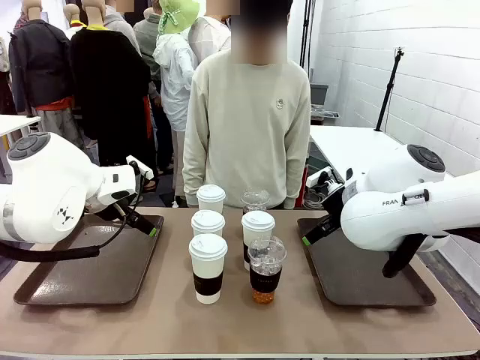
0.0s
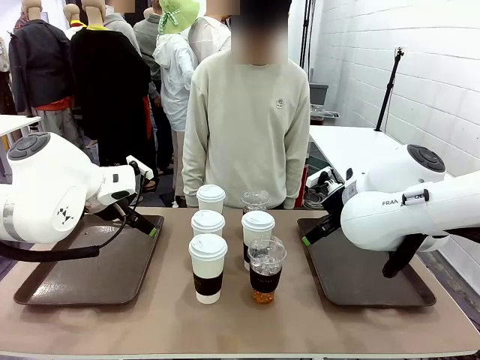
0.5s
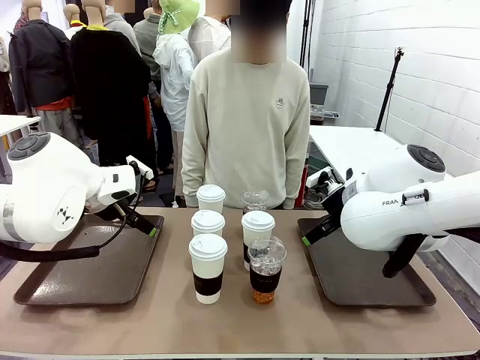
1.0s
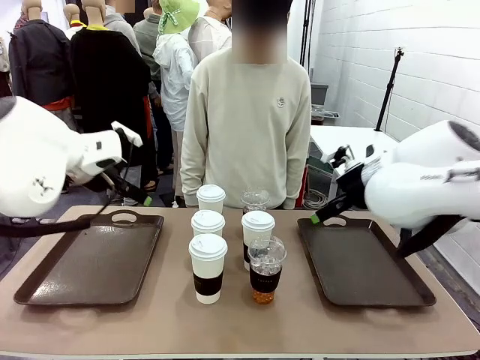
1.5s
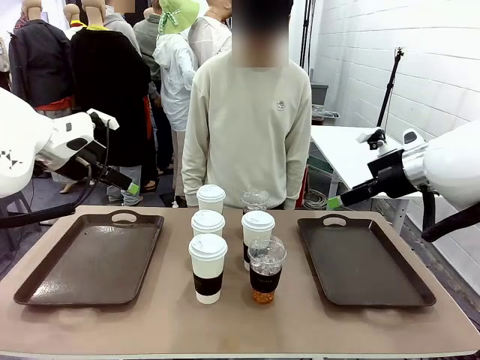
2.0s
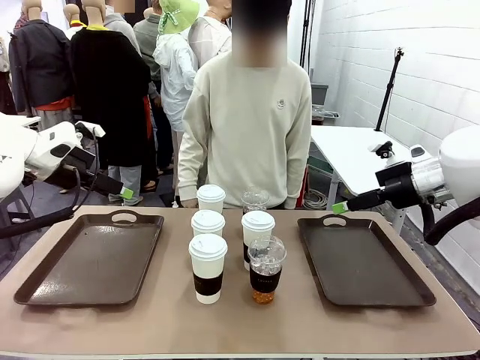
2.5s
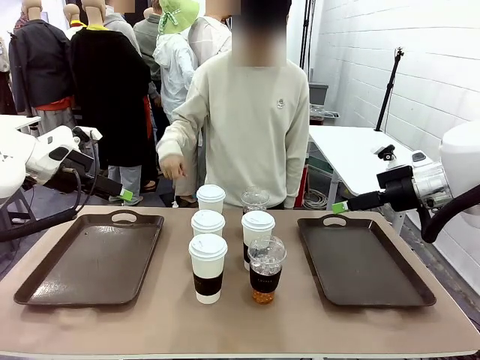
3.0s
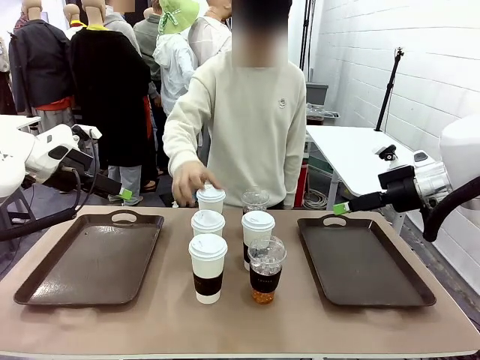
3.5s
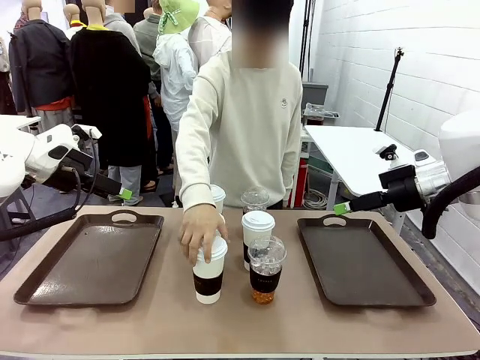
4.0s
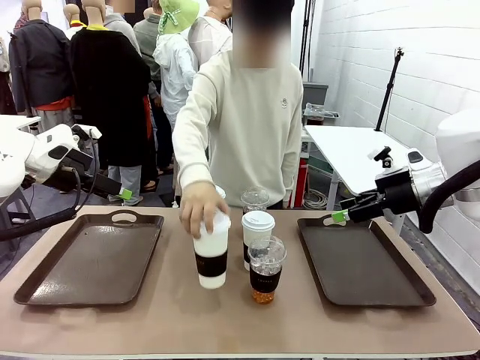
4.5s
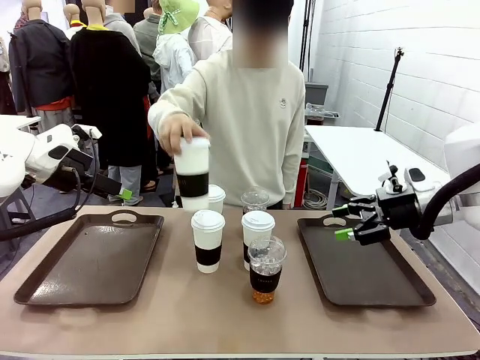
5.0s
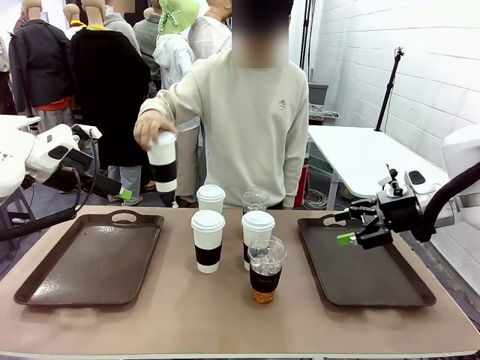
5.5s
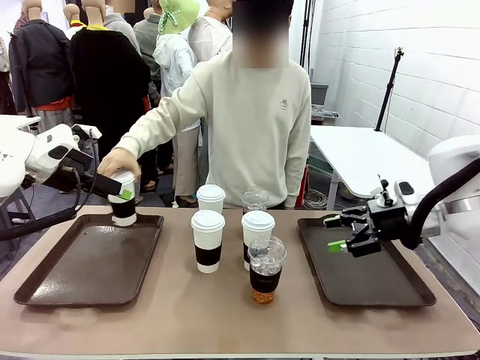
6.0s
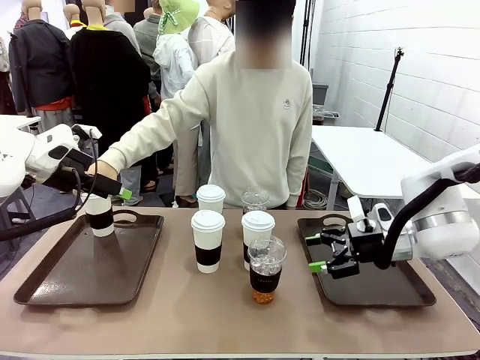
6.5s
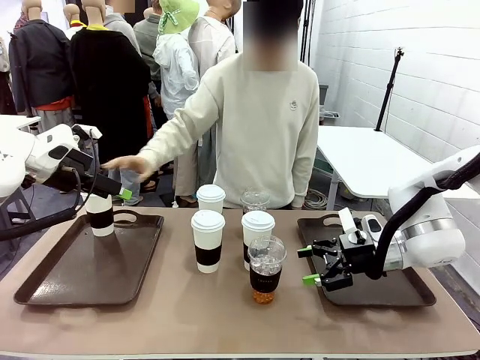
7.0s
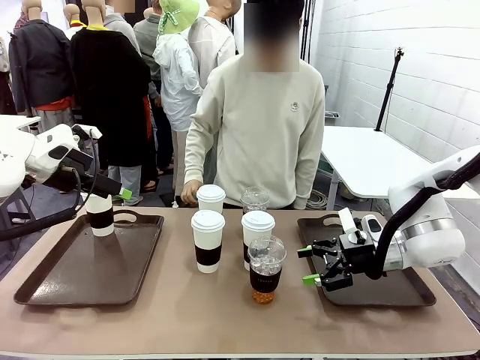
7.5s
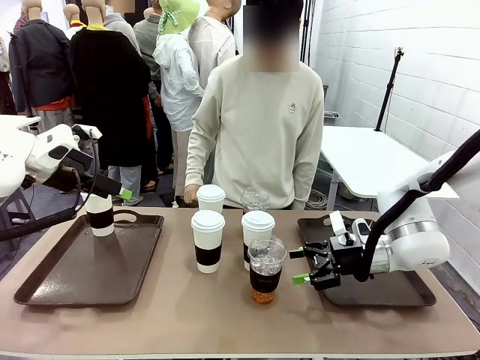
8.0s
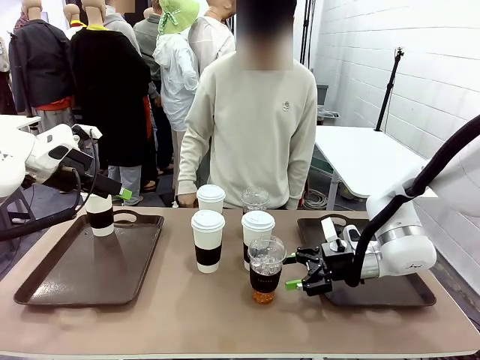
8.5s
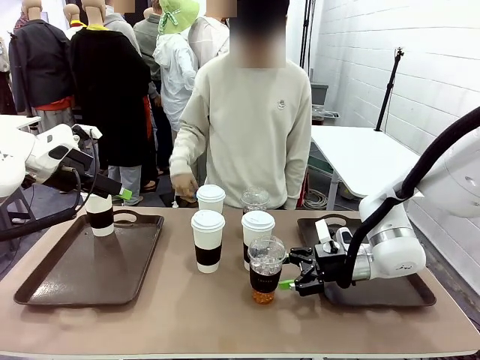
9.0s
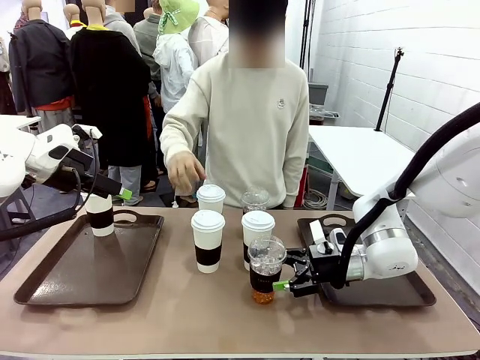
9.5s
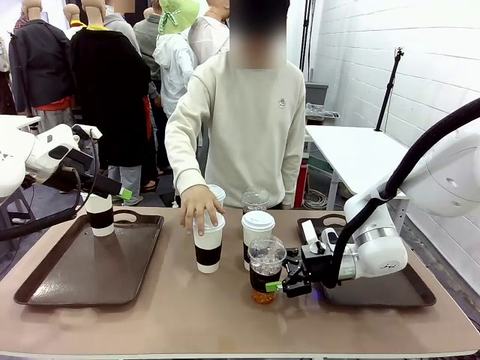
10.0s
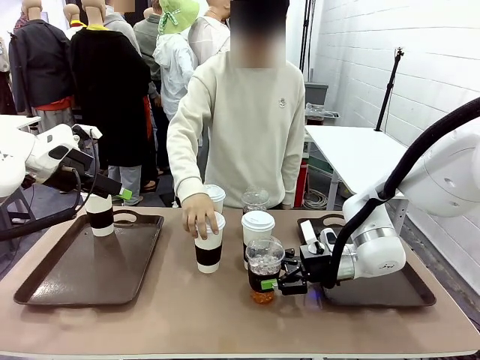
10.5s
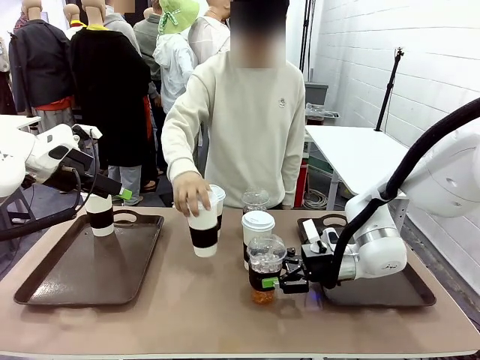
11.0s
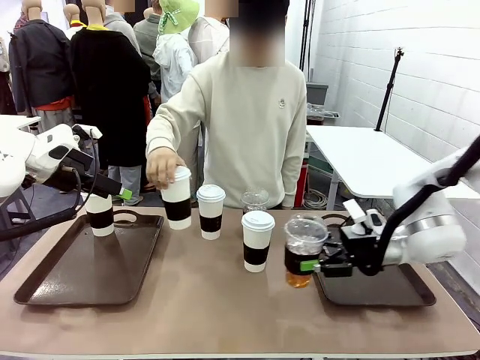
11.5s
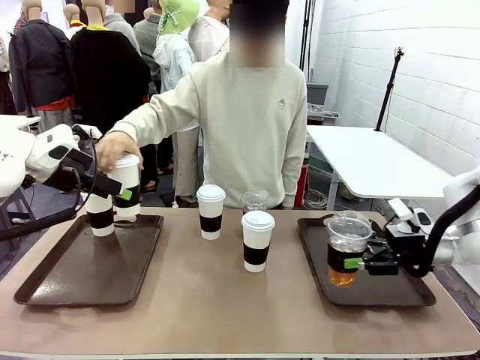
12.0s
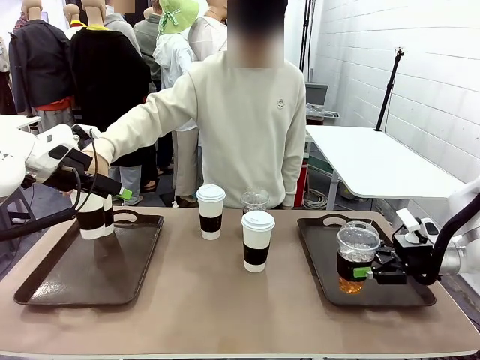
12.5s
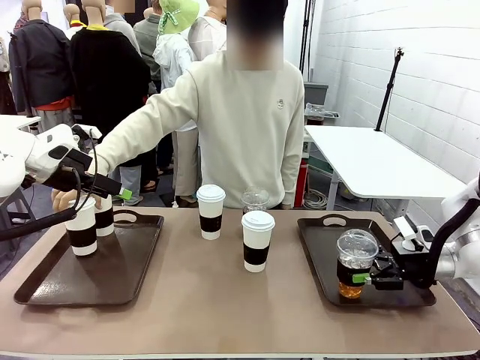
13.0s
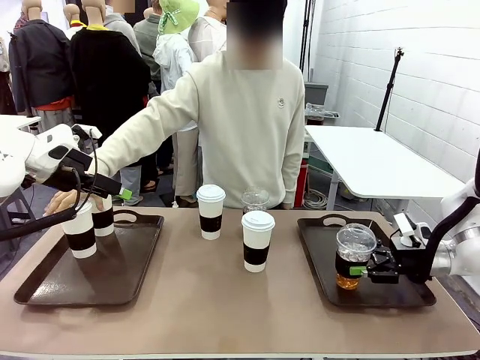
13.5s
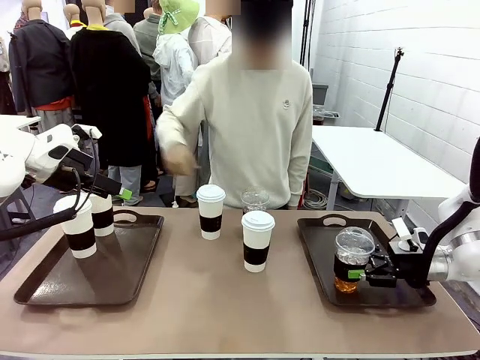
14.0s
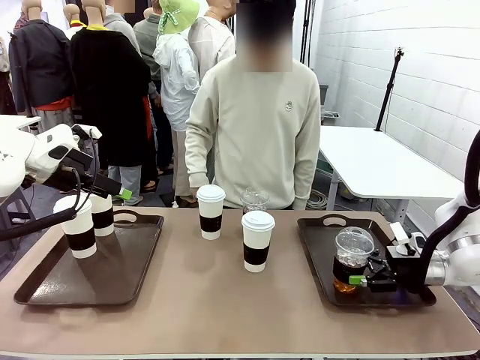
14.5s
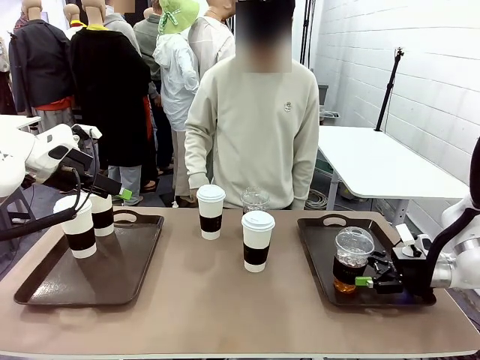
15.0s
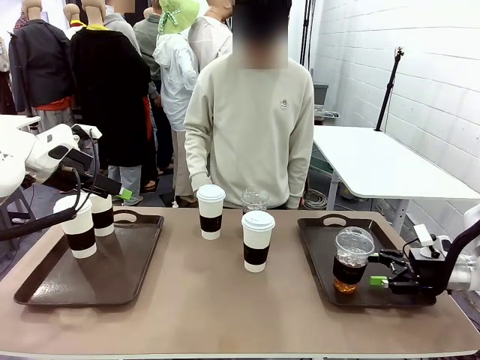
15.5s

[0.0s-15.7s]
Task: Distribute the coffee onto the tray.
Robot: Pick up one iced Americano and place it on the right Handle tray.
Person: Pick up a cup of hot Americano and place it on the right tray.

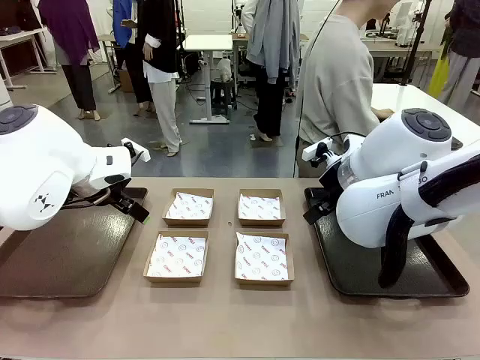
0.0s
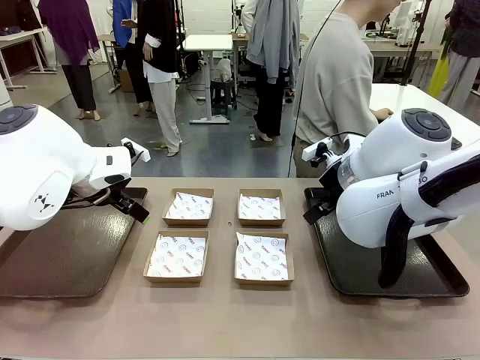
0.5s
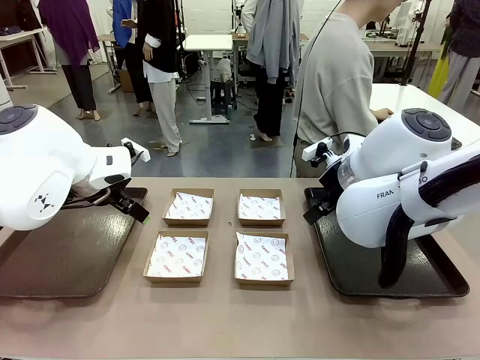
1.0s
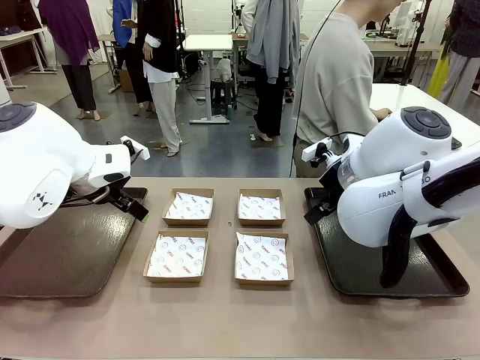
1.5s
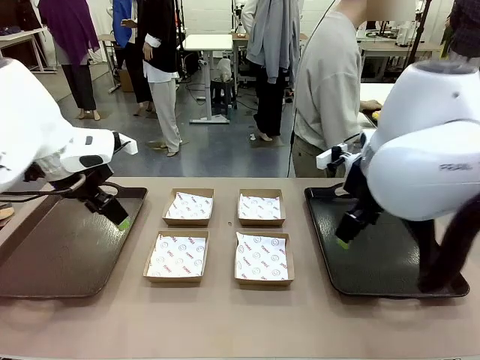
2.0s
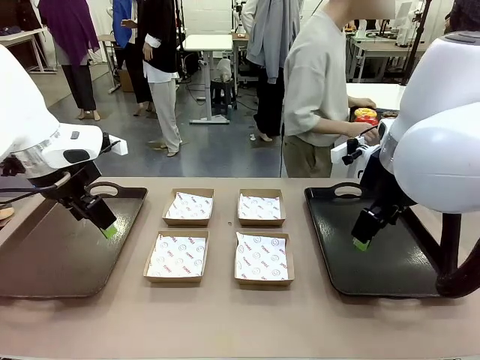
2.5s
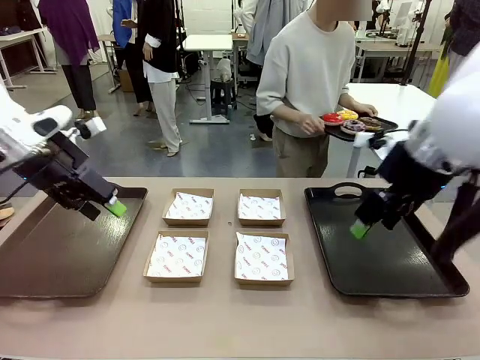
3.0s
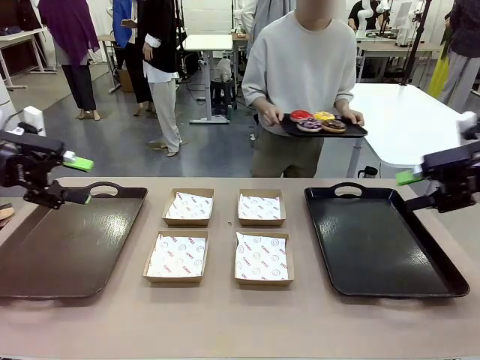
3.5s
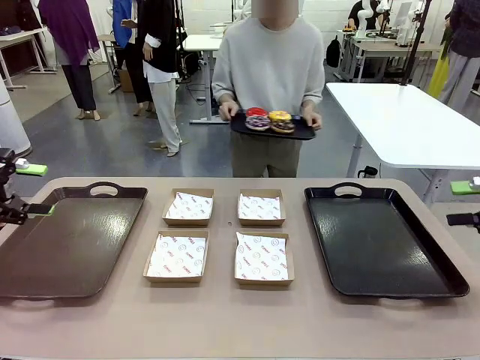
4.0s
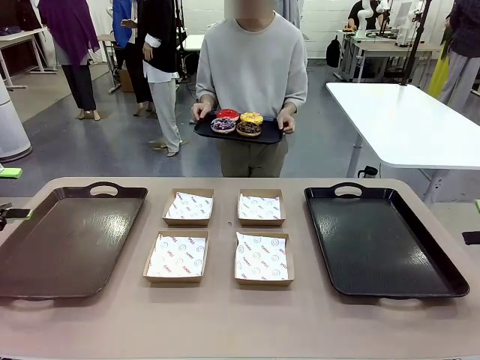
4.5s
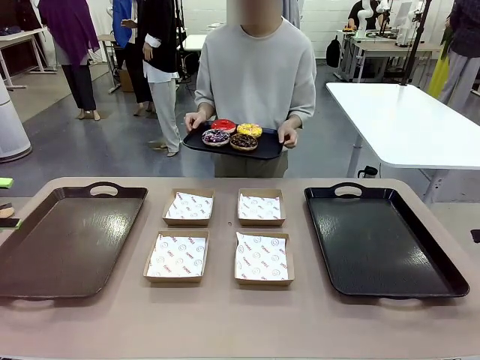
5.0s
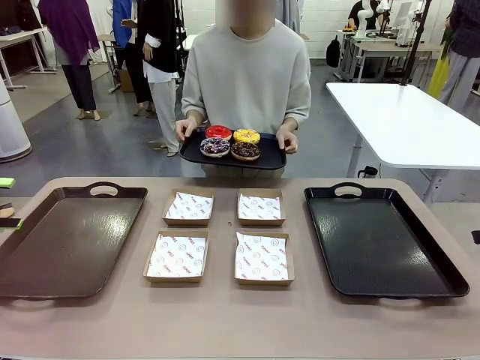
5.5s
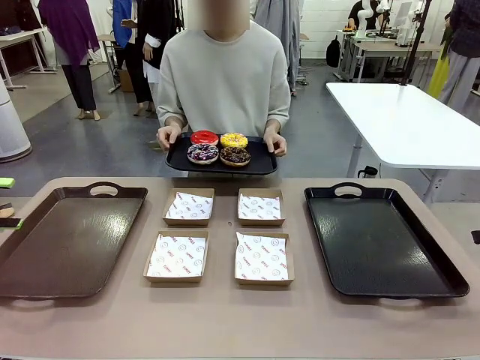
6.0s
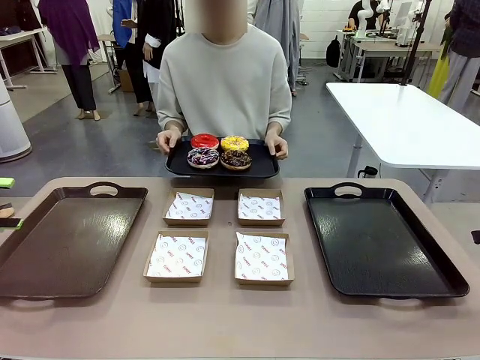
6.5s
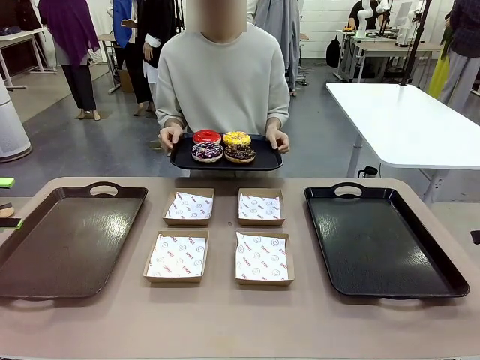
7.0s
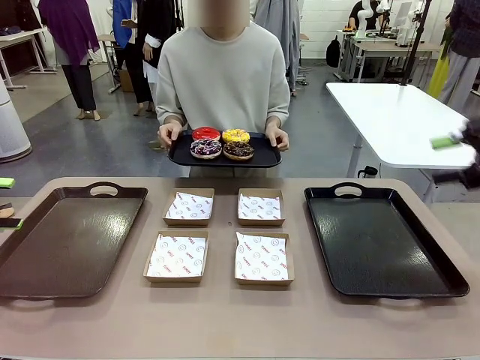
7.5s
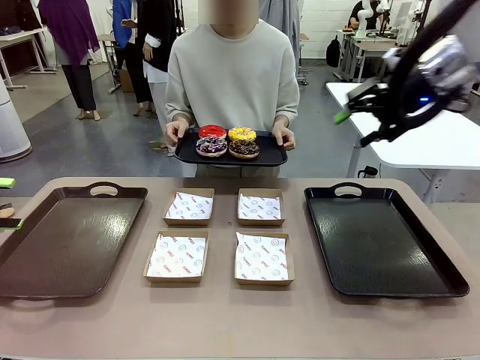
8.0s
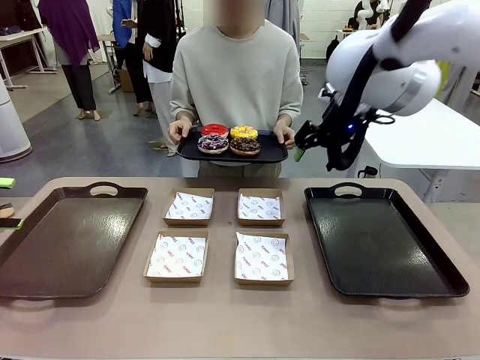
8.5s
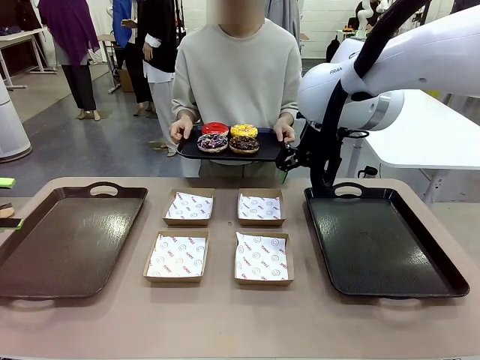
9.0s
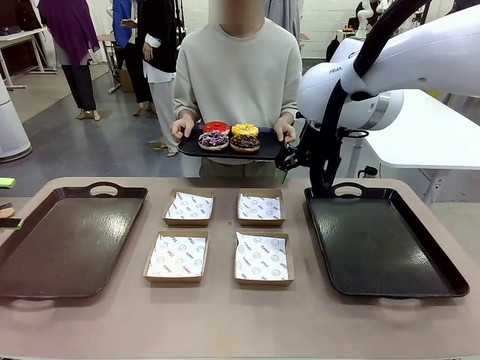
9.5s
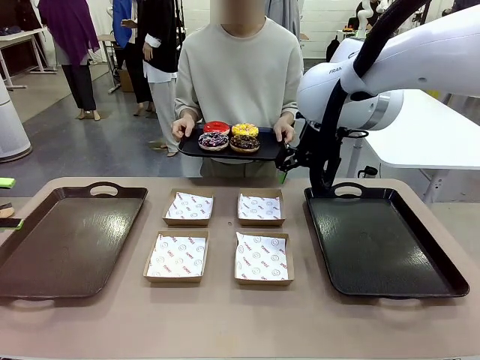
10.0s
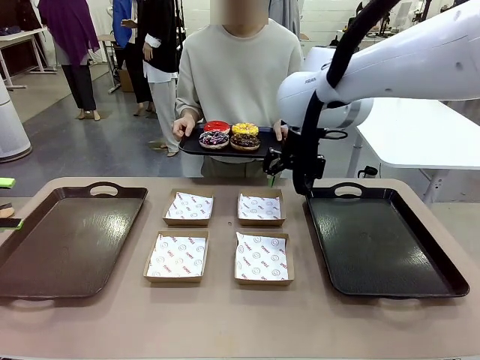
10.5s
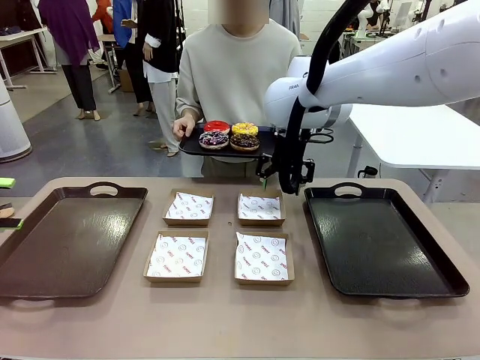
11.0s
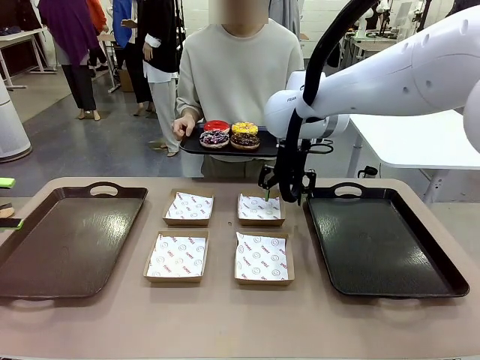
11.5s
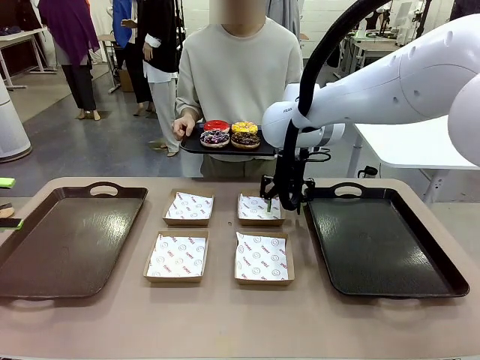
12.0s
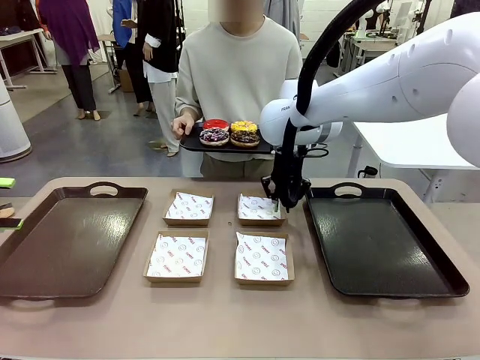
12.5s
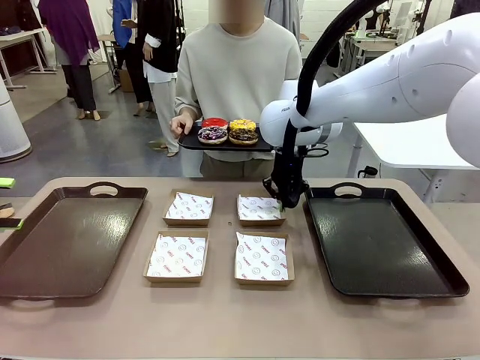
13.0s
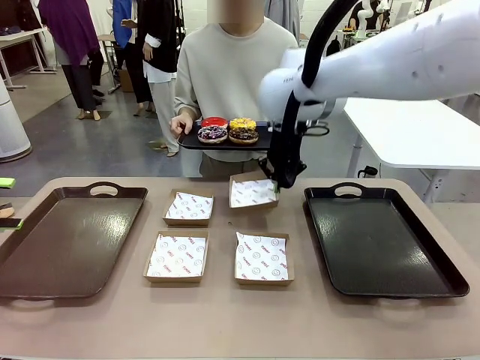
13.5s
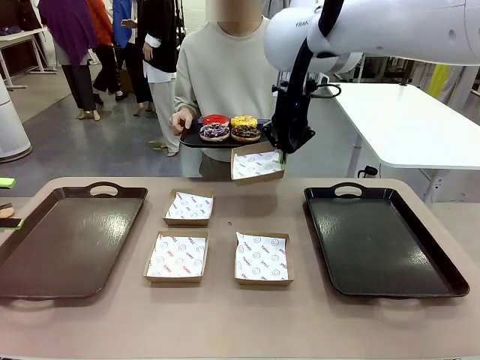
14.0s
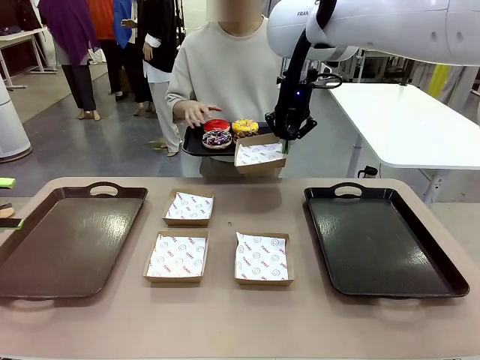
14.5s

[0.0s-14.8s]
Task: Individually package the donuts and arrange them on the tray.
Robot: Pick up one Paper togo box.
Person: Stand in front of the robot table holding the tray containing the donuts.
